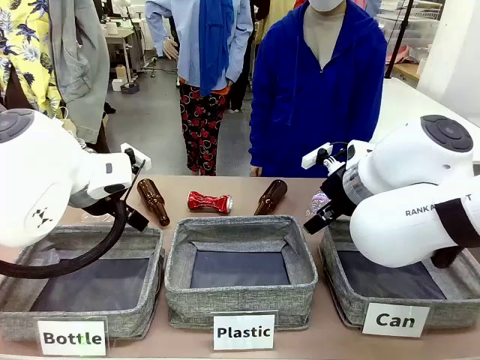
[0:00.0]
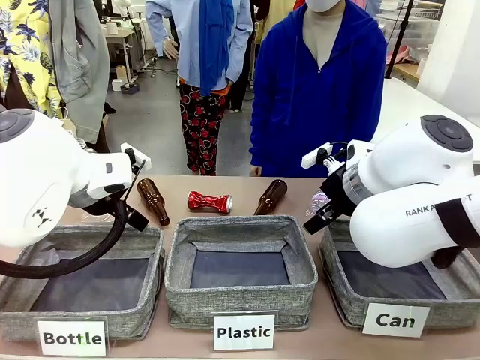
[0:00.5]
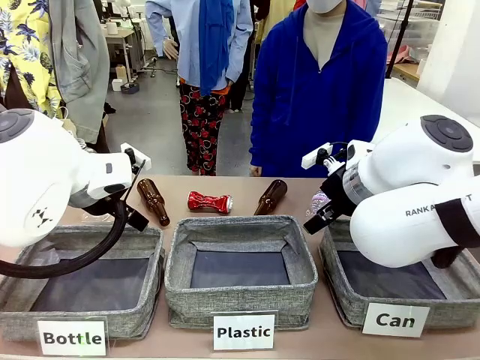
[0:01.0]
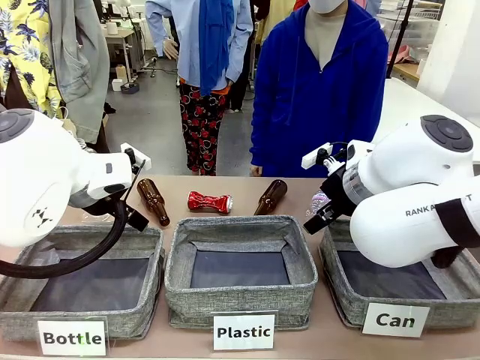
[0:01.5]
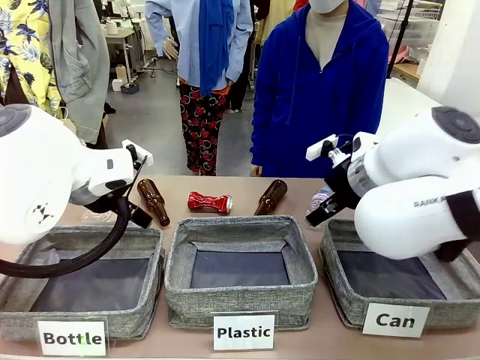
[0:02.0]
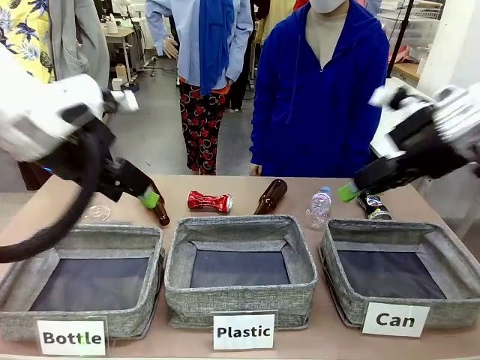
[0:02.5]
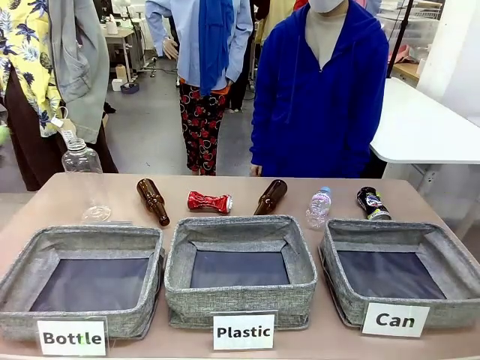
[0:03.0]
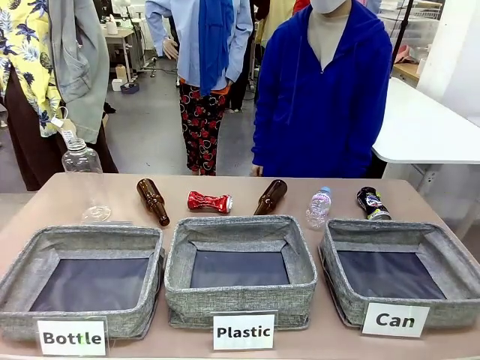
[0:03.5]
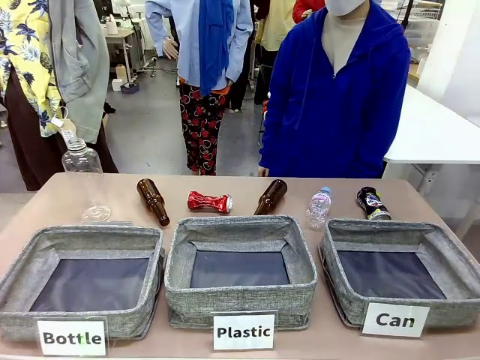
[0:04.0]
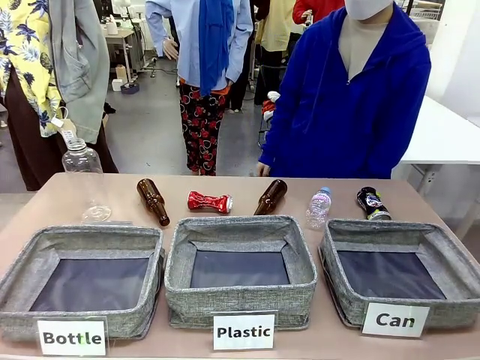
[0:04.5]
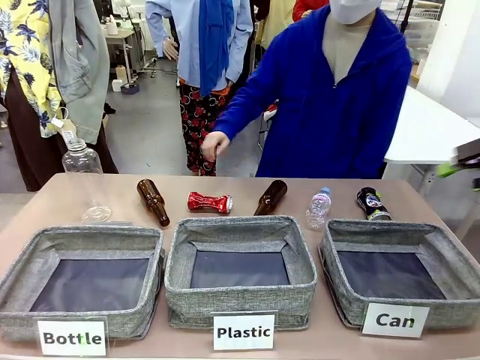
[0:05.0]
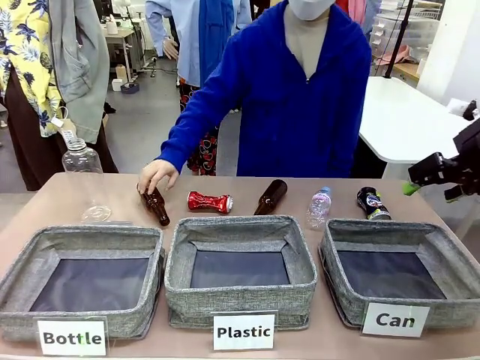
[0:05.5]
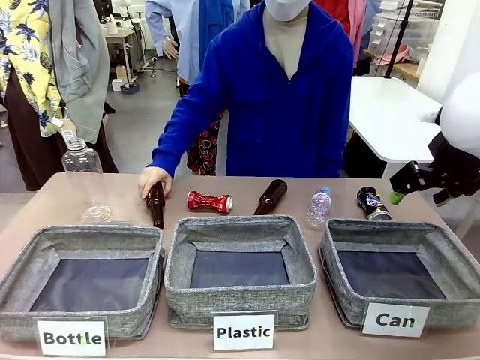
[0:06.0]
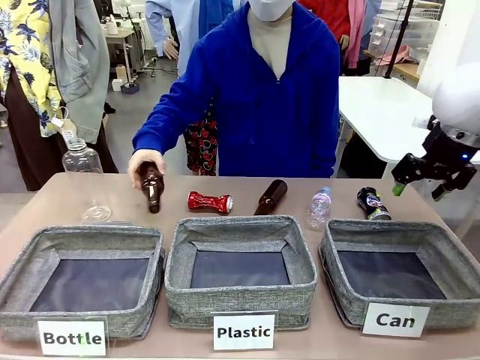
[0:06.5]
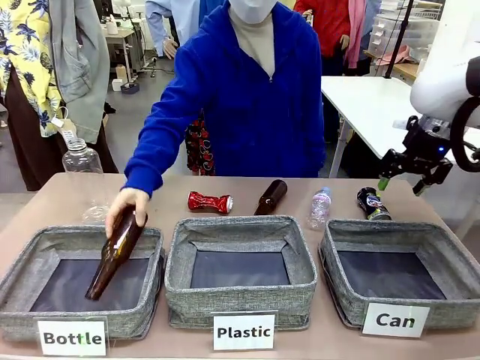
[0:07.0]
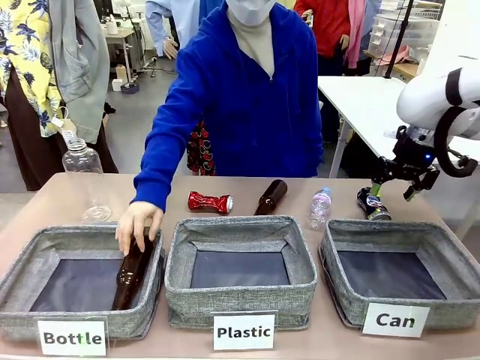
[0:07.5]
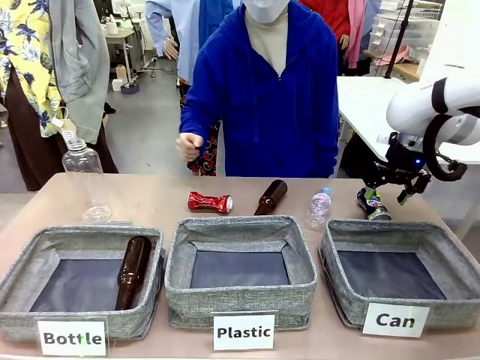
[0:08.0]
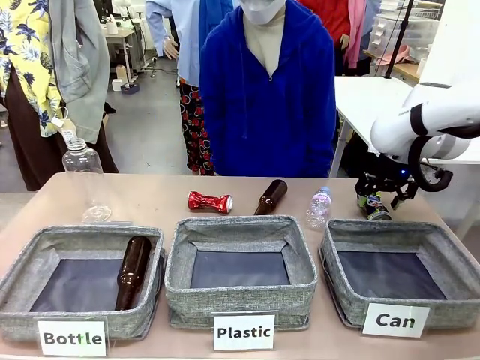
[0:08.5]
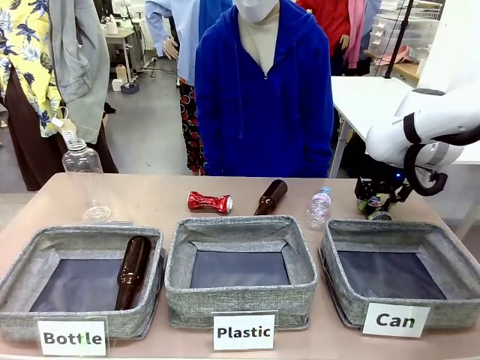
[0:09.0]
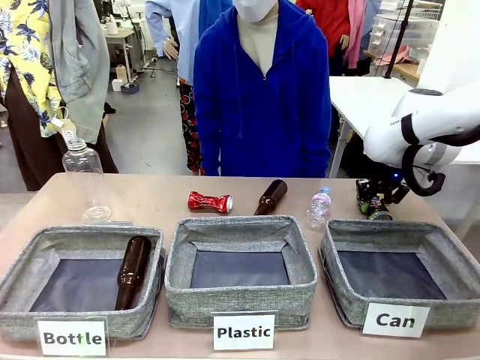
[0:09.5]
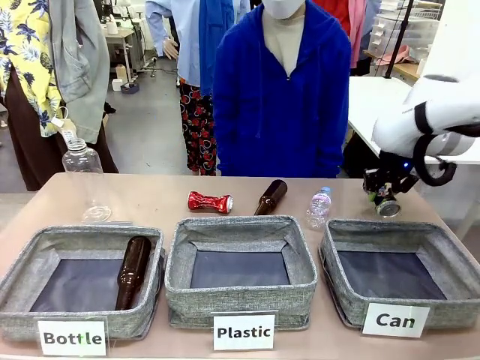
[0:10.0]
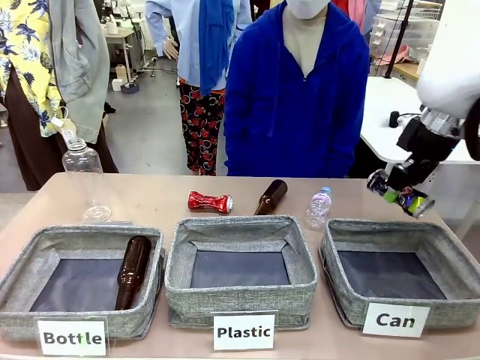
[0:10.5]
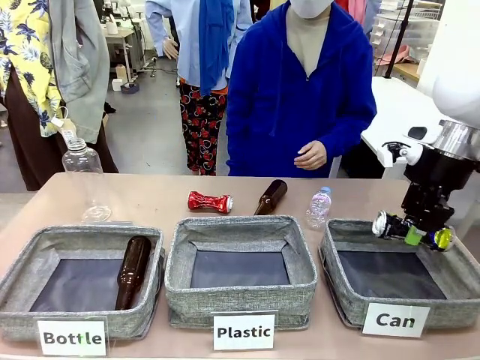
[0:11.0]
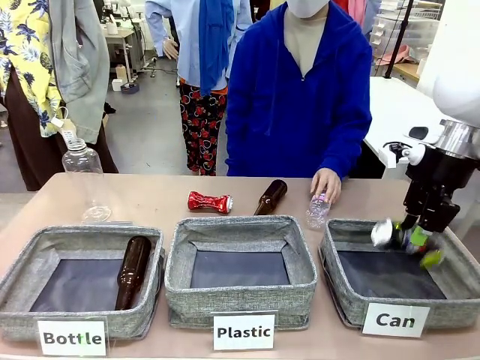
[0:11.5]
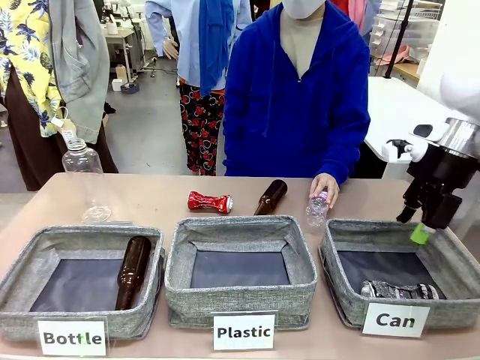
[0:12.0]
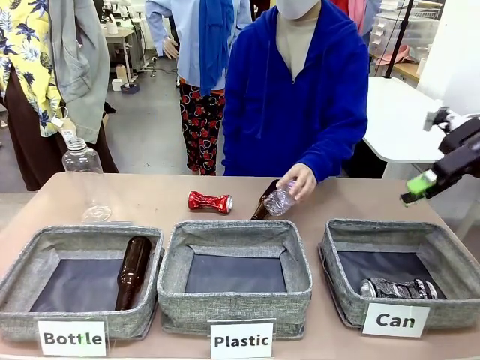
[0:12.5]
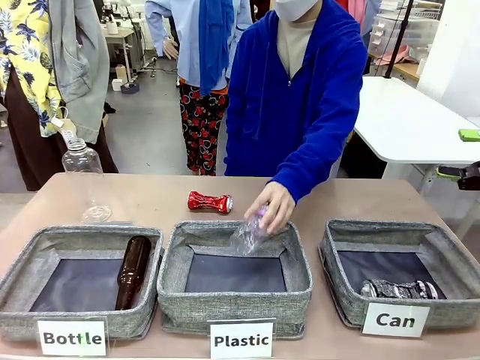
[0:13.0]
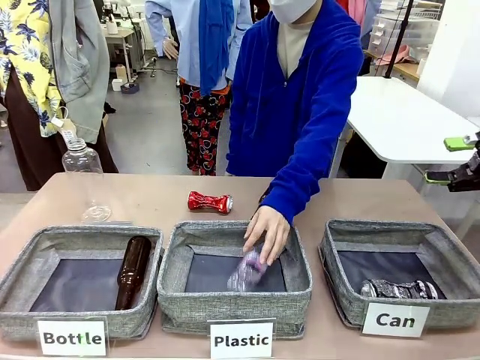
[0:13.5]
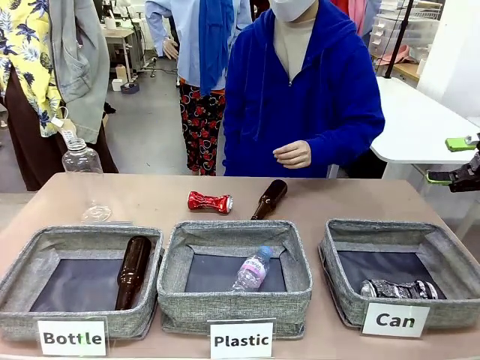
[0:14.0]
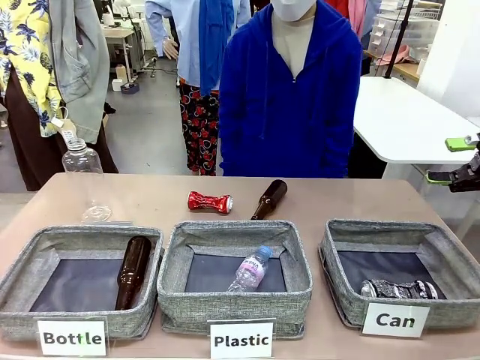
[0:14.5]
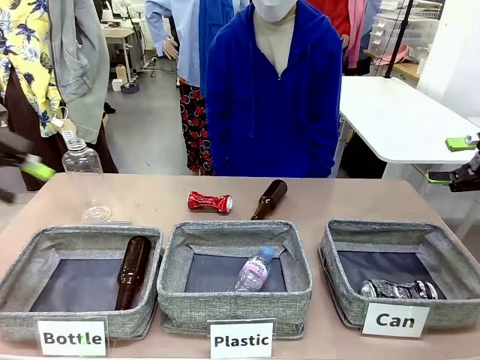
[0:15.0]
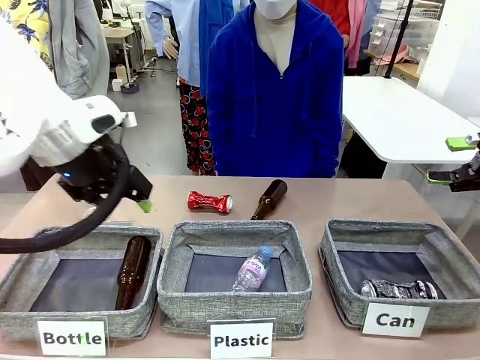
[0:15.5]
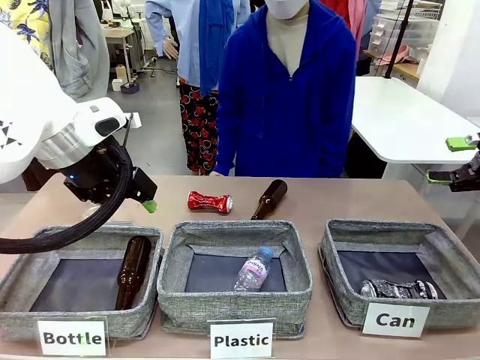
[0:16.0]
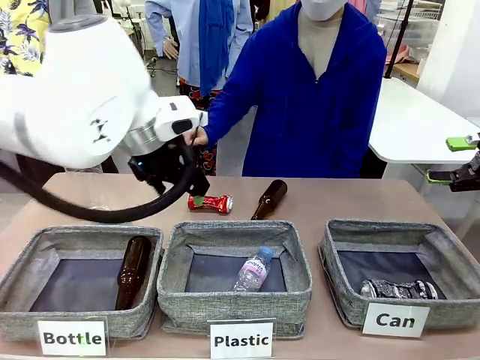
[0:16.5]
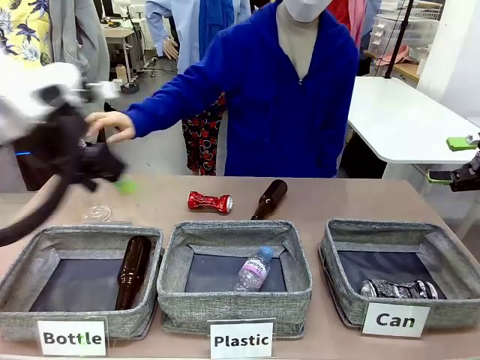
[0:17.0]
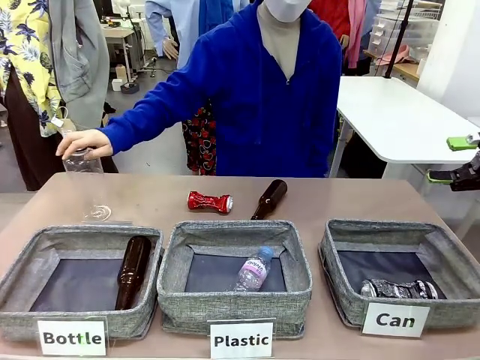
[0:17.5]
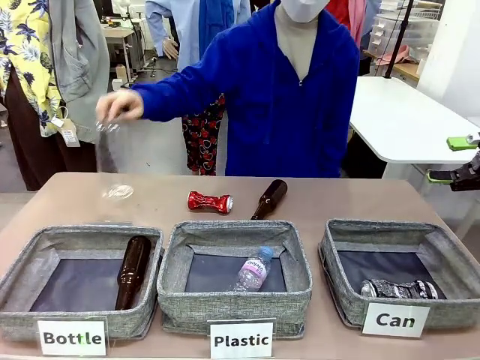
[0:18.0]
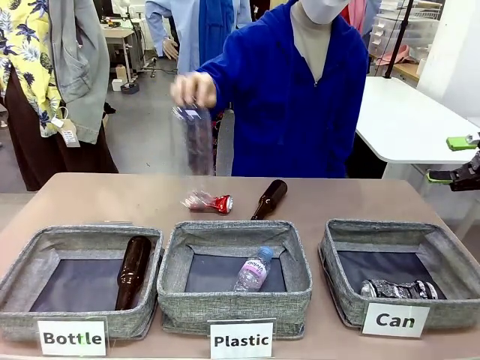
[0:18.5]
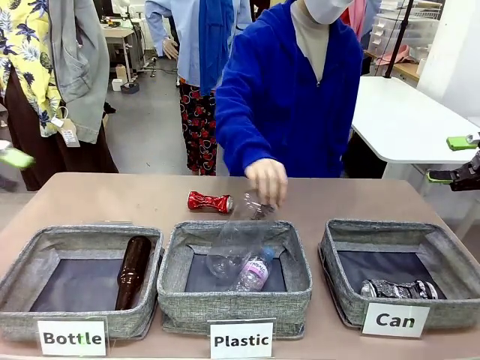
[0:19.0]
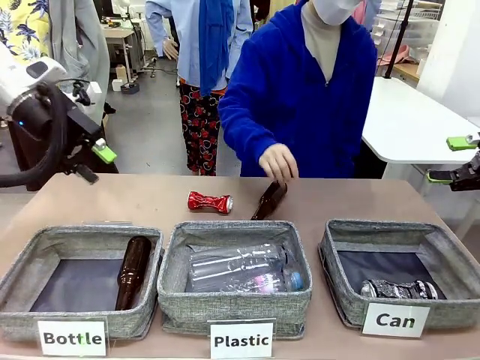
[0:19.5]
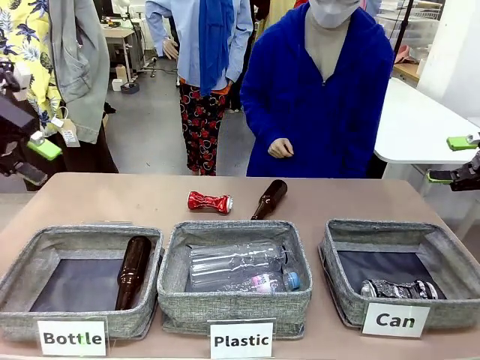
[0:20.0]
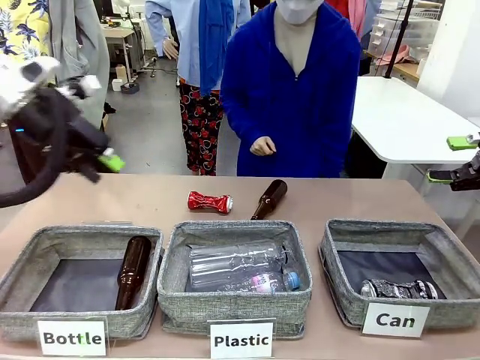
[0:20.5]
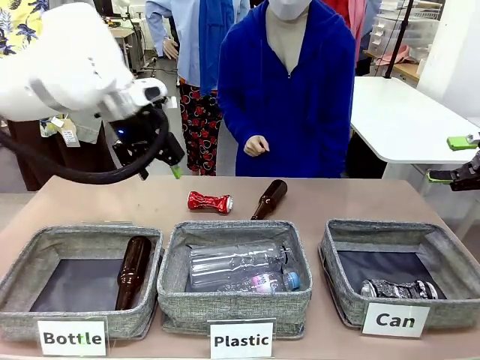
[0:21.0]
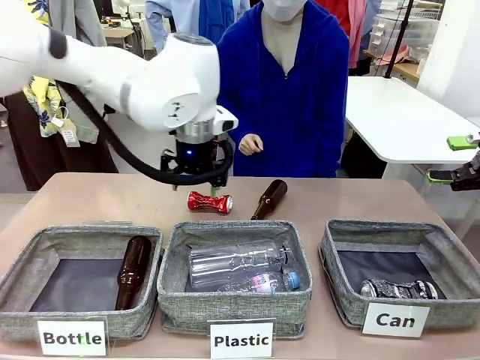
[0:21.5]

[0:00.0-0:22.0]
Task: Sort the can waste into the basket.
Robot: Pick up the can waste from the table and place it in the right Fabric basket.
